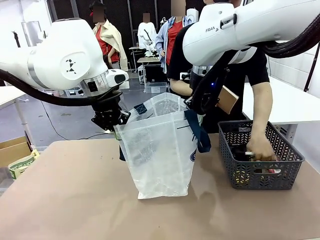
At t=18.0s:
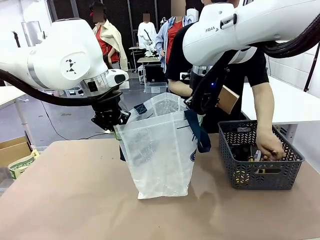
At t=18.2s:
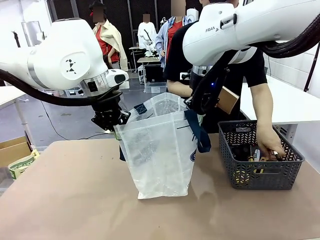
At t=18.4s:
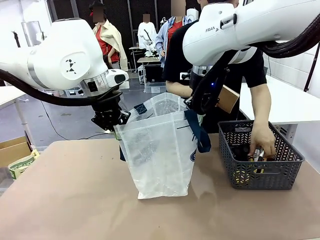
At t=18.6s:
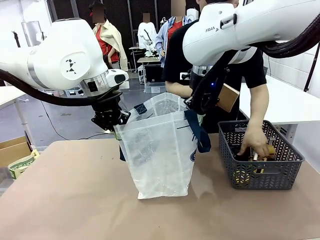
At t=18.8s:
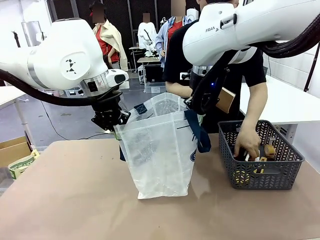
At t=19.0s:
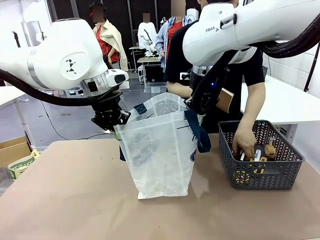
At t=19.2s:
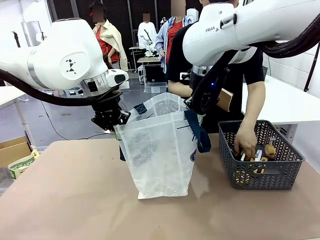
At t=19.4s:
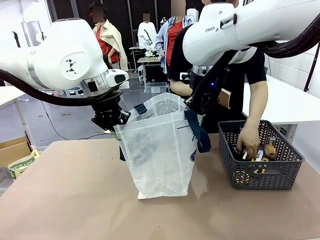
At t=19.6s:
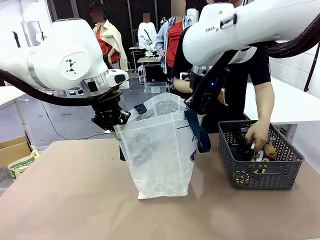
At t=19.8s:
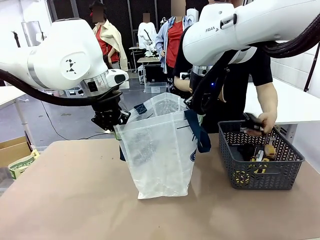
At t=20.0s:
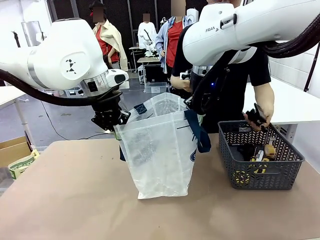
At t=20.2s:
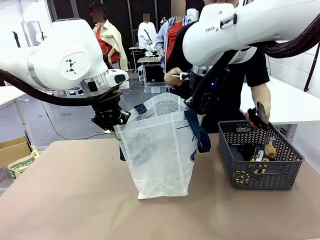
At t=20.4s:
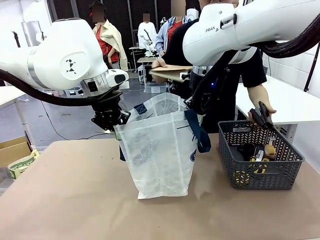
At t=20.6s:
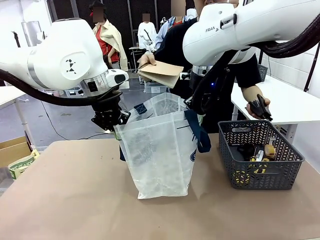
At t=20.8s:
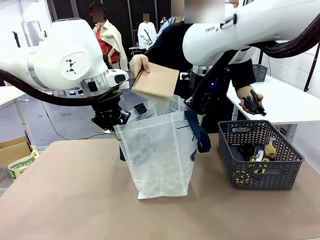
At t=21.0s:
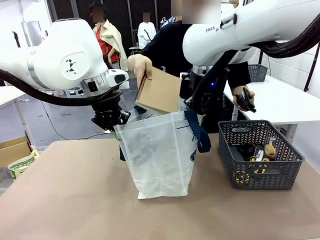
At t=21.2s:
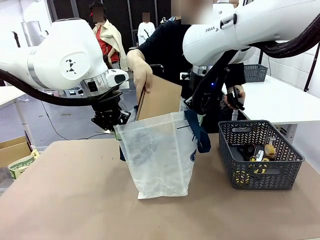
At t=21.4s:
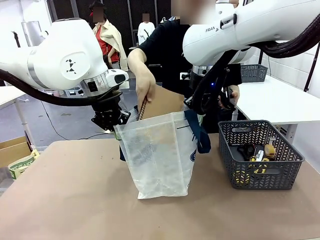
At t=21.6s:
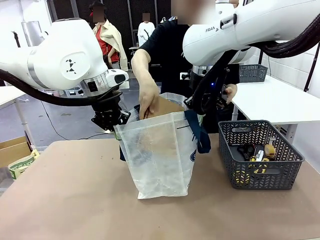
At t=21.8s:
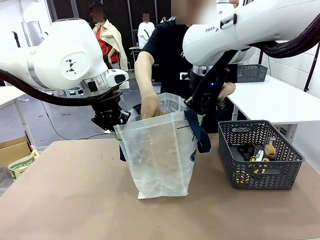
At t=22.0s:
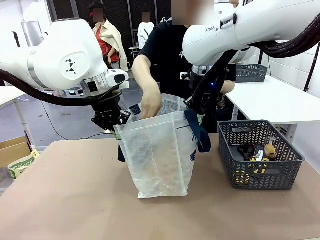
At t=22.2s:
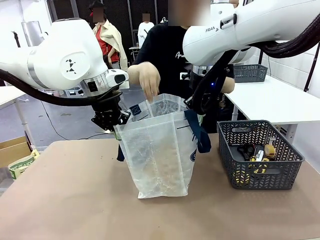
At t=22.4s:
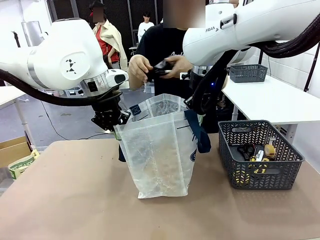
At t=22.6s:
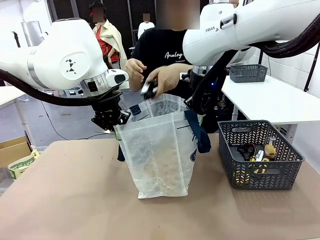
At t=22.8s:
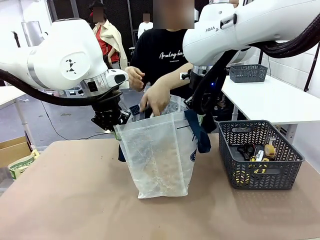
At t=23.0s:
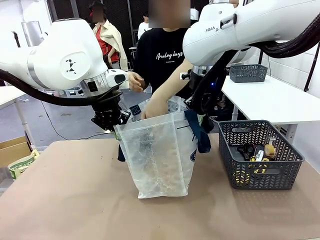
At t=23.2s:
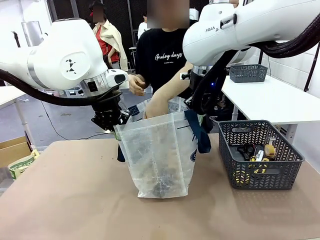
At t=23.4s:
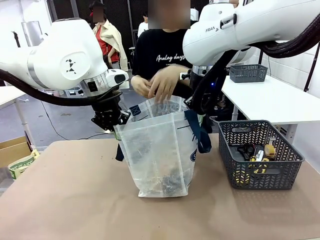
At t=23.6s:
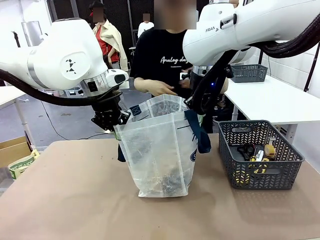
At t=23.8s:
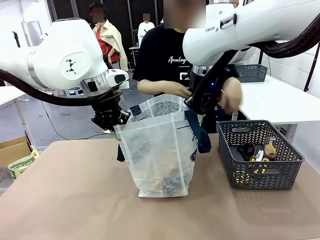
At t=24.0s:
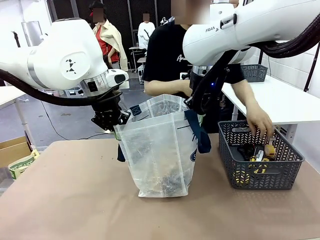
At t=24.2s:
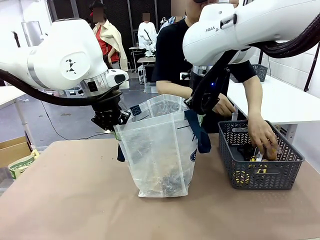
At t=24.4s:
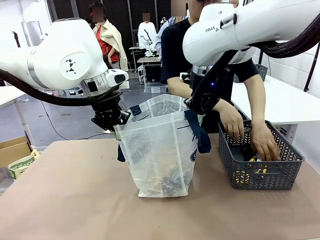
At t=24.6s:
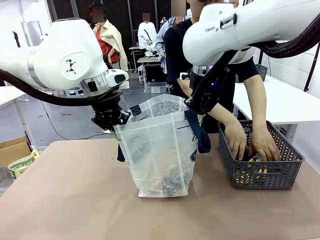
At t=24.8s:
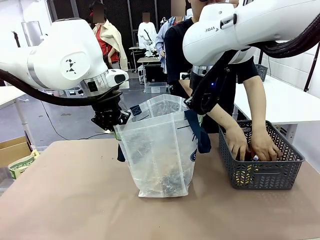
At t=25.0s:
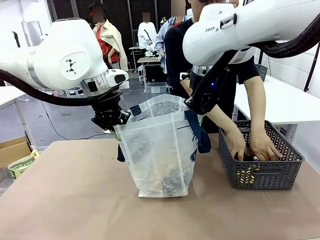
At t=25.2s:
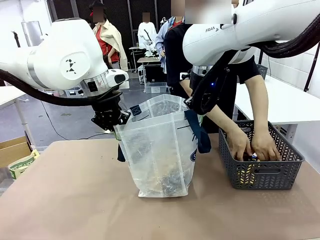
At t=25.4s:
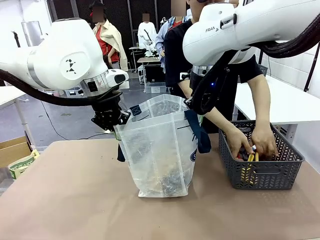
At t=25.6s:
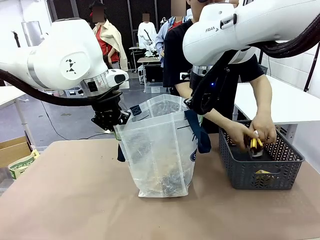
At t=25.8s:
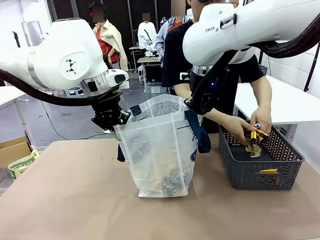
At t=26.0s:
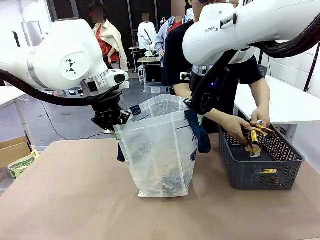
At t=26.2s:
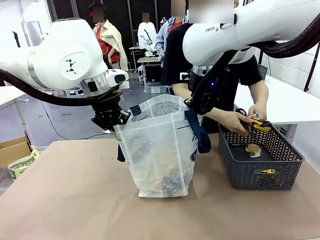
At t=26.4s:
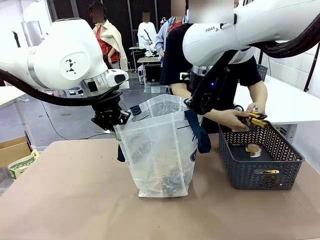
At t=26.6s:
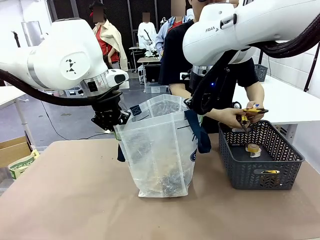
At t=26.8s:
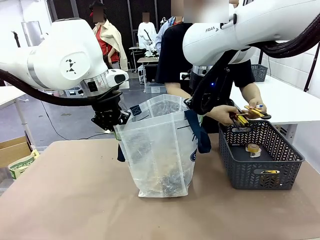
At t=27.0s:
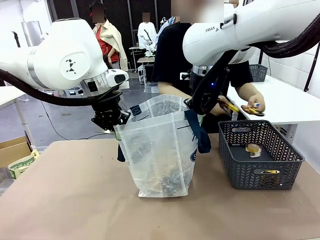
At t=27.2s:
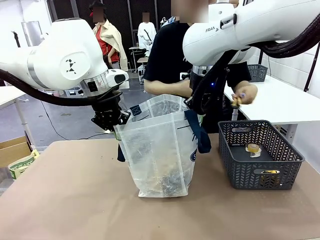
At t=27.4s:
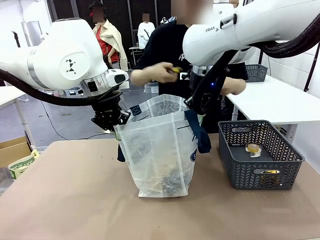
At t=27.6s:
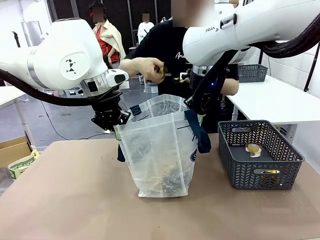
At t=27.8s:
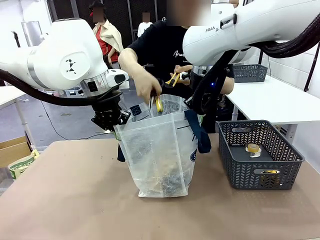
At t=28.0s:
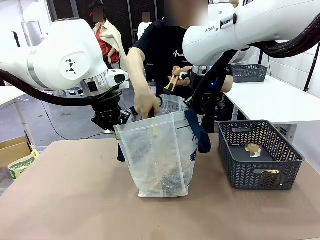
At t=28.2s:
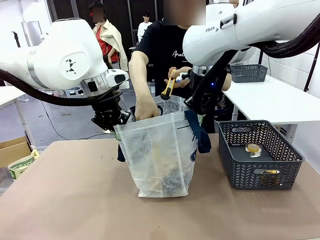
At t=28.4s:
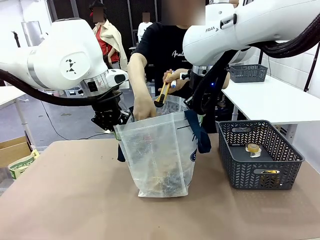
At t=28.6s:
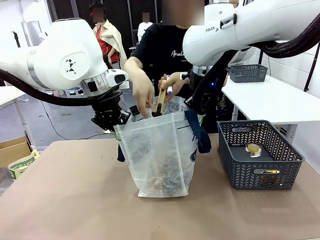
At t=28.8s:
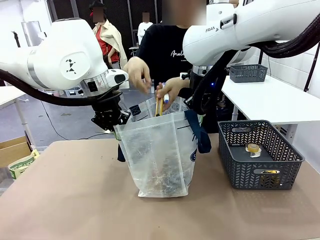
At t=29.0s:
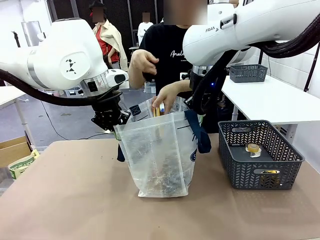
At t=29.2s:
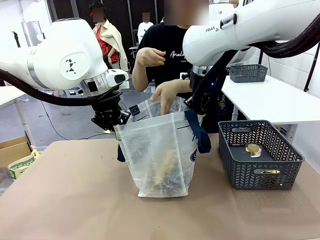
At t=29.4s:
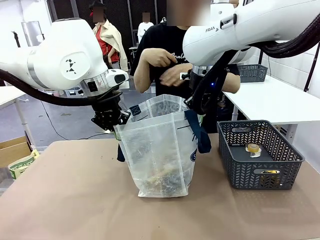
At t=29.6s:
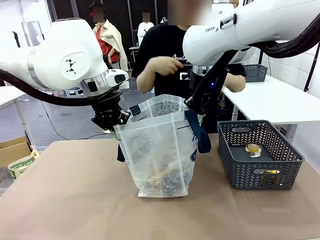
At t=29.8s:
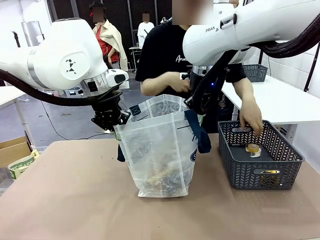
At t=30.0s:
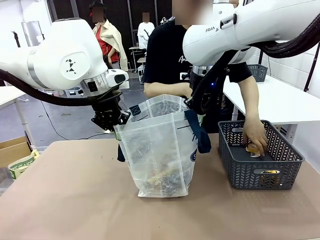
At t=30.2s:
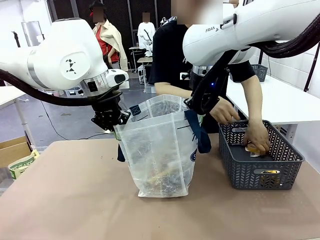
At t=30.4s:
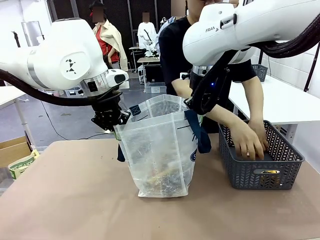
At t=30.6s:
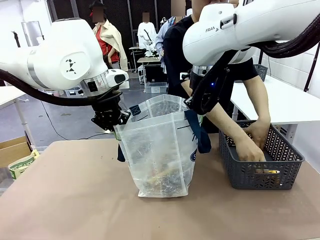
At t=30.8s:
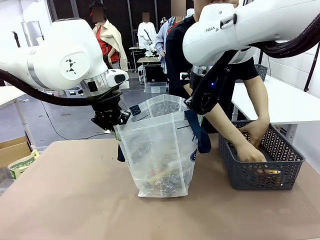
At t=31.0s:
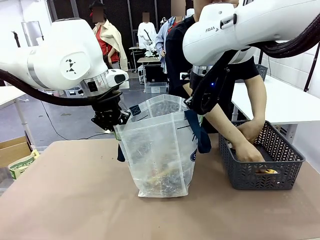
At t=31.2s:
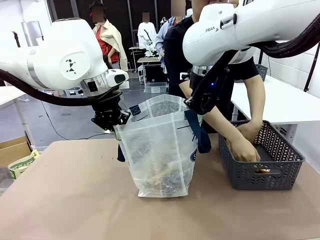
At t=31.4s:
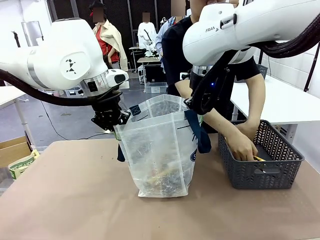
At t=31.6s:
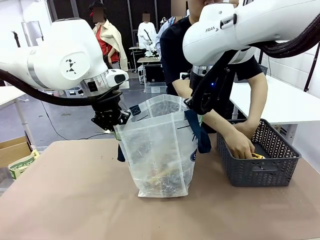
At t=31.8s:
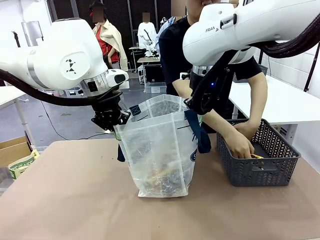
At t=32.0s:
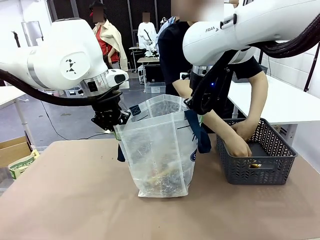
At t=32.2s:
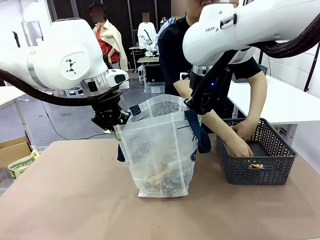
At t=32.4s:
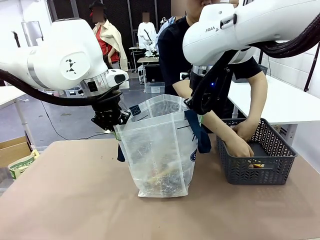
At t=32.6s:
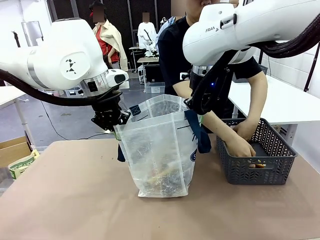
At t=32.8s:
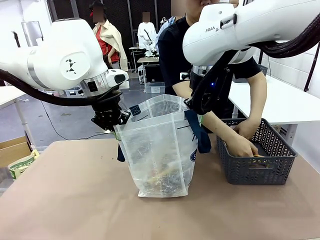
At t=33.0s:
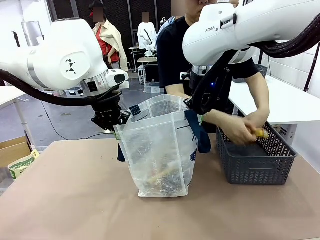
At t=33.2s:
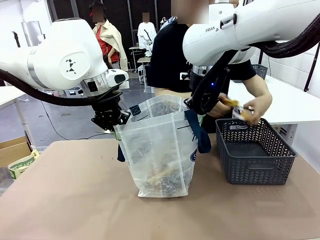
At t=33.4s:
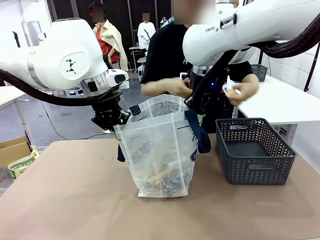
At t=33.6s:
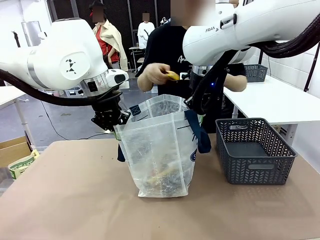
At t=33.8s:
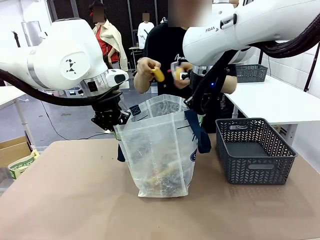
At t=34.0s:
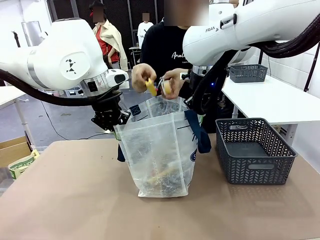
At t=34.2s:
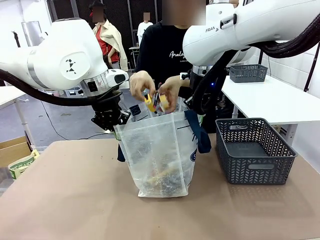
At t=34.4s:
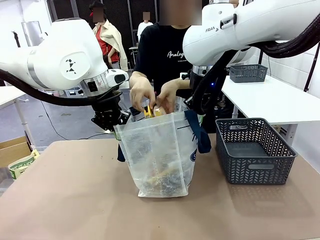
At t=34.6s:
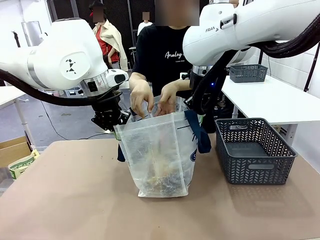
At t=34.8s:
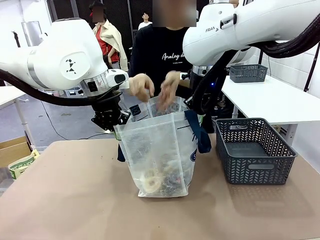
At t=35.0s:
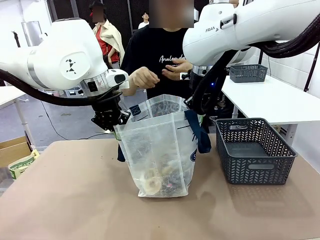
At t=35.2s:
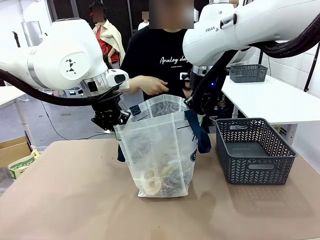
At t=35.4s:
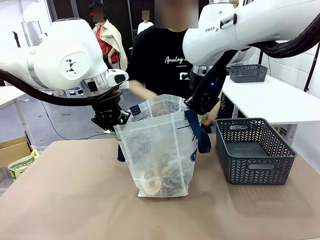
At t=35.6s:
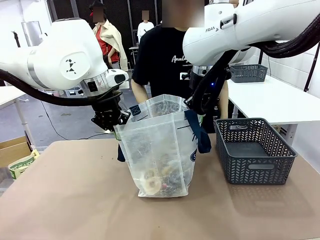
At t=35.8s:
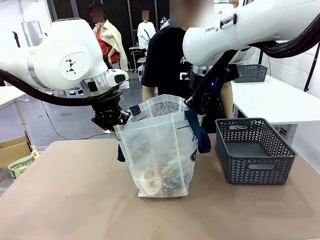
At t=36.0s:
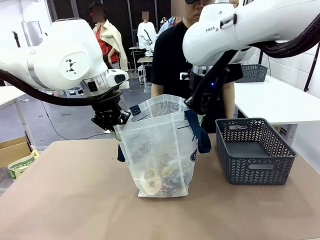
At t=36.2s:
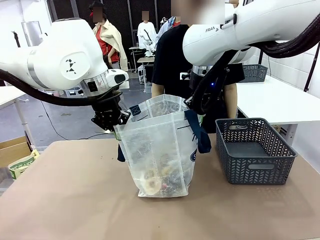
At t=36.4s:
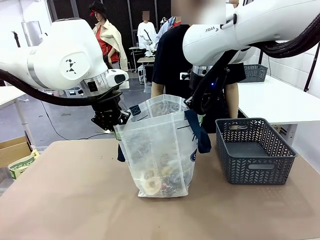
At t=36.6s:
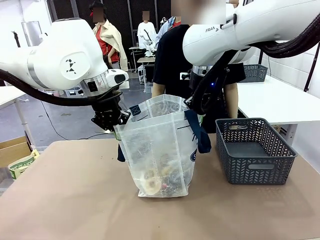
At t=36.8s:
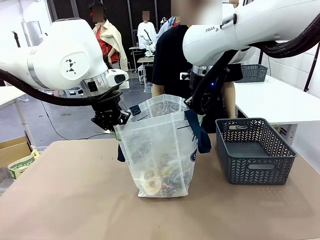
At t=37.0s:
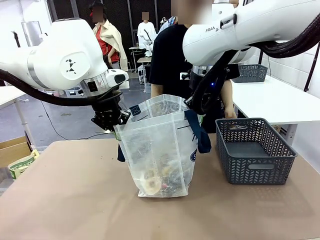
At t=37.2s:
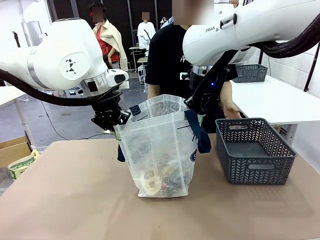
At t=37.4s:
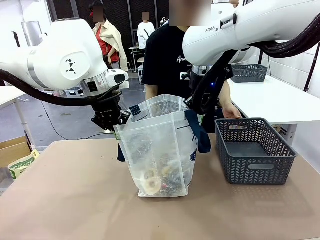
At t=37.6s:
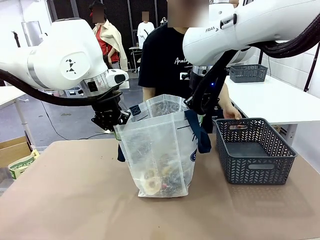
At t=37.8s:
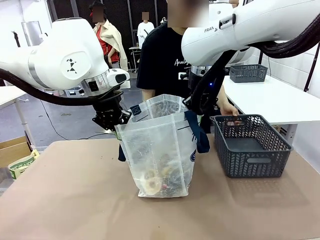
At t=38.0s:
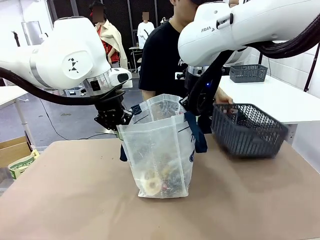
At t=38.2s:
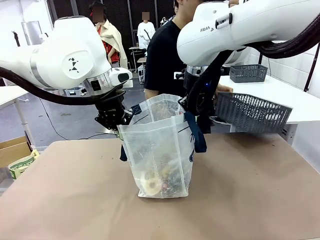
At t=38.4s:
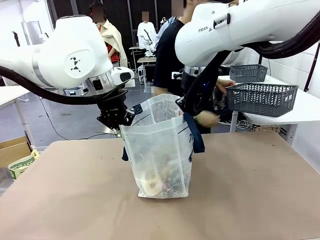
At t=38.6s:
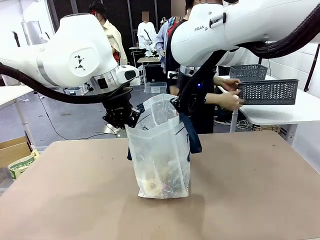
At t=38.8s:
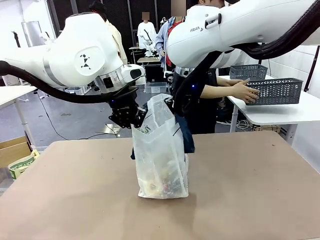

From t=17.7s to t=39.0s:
Task: Transfer purchased items from the store into the shopping bag.
Robot: Move the Reusable shopping bag to the right side of the table.
Person: Pick up the basket on the right, place it on the left side of the robot table, and move the items in the basket to the shopping bag. Pick up the basket with the items out and place it on the right side of the human table.
